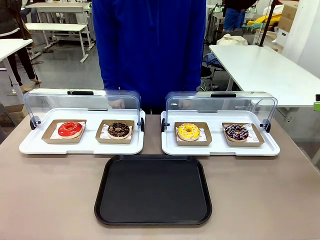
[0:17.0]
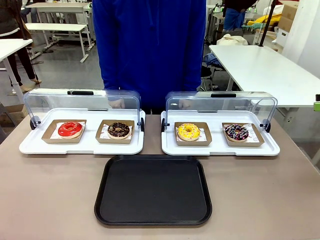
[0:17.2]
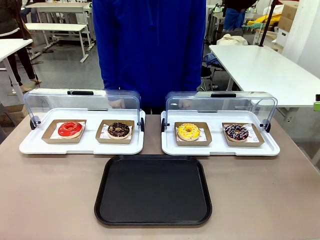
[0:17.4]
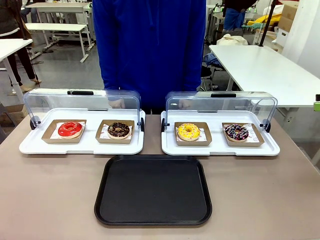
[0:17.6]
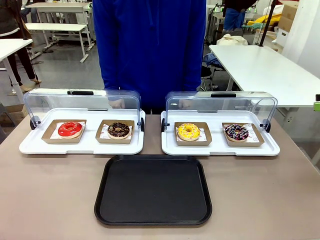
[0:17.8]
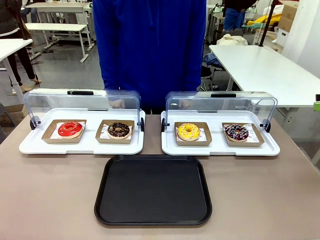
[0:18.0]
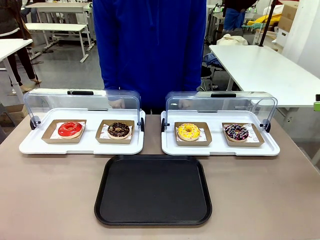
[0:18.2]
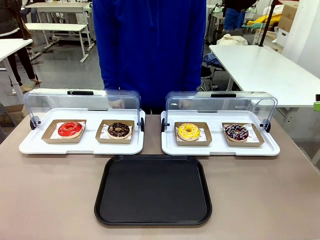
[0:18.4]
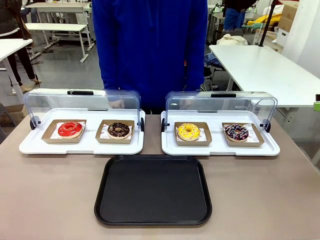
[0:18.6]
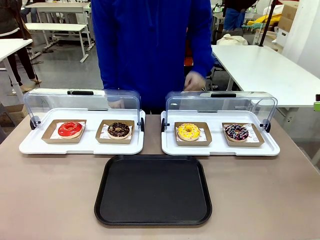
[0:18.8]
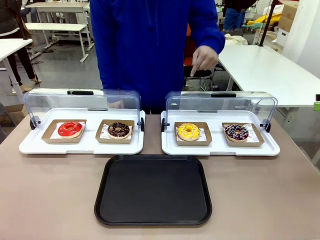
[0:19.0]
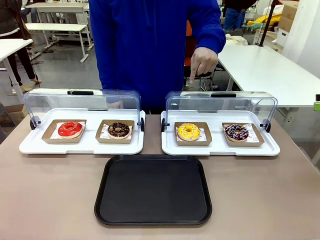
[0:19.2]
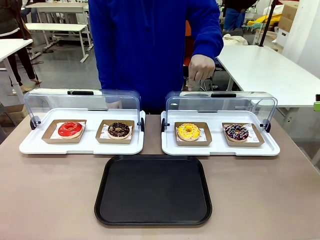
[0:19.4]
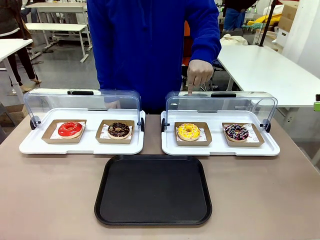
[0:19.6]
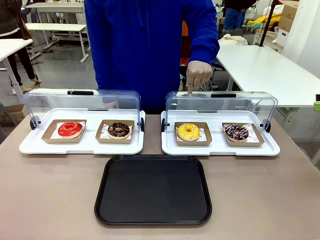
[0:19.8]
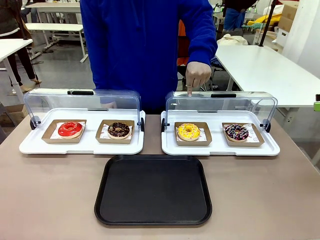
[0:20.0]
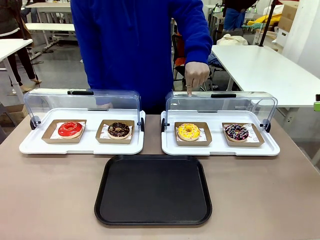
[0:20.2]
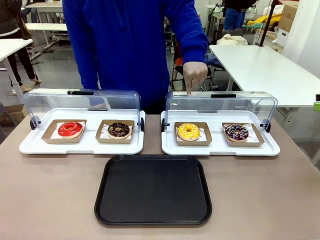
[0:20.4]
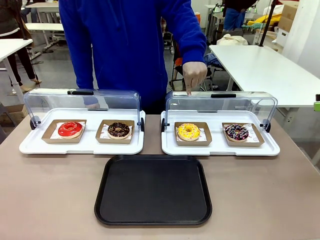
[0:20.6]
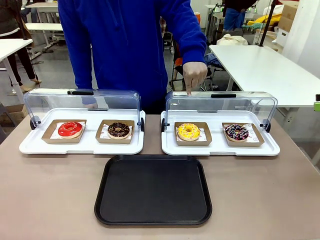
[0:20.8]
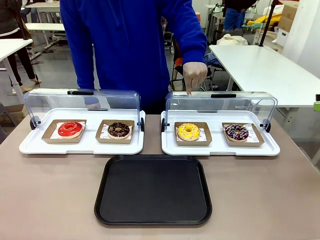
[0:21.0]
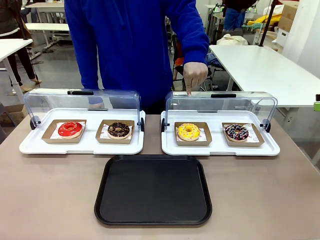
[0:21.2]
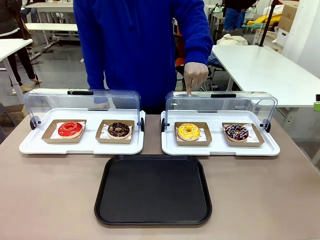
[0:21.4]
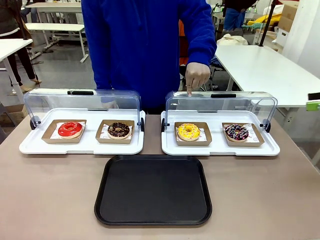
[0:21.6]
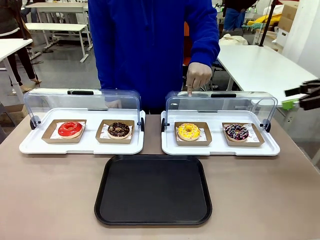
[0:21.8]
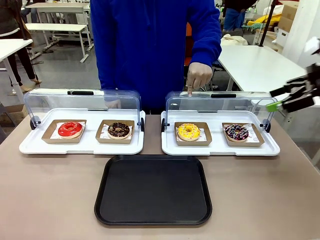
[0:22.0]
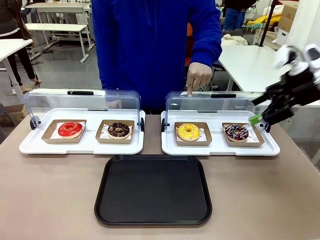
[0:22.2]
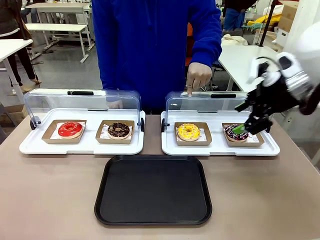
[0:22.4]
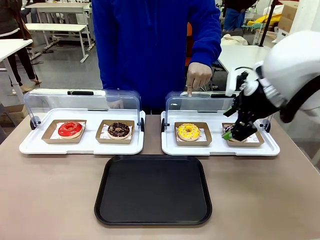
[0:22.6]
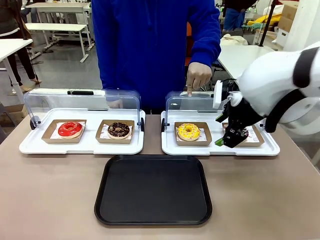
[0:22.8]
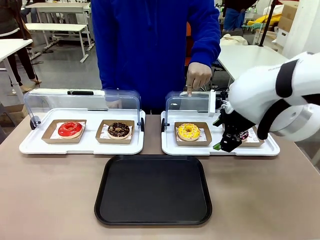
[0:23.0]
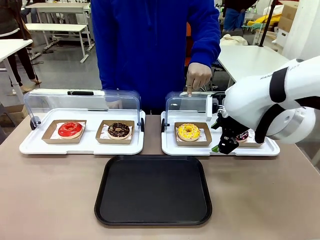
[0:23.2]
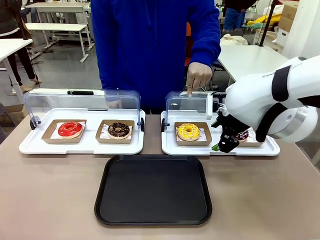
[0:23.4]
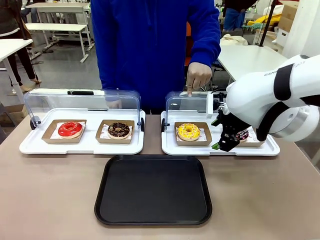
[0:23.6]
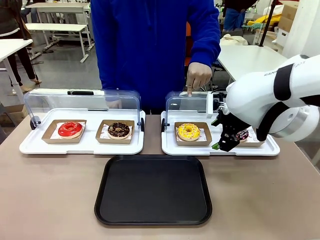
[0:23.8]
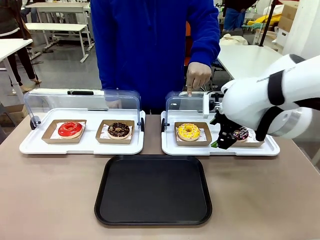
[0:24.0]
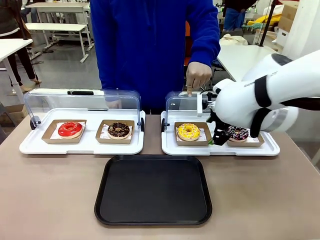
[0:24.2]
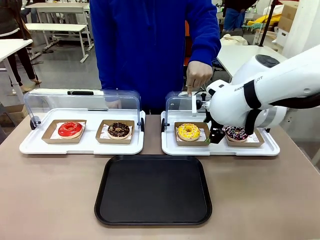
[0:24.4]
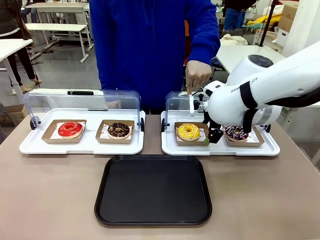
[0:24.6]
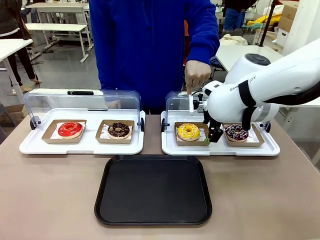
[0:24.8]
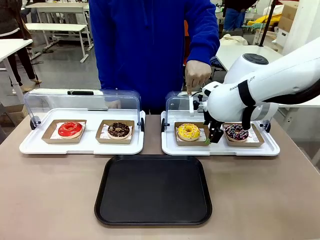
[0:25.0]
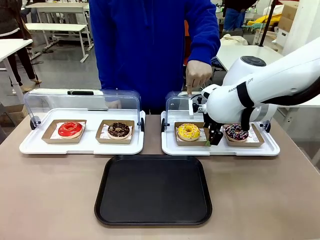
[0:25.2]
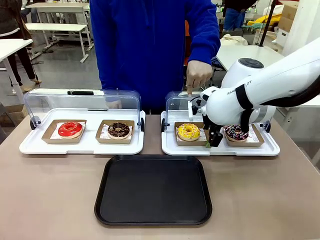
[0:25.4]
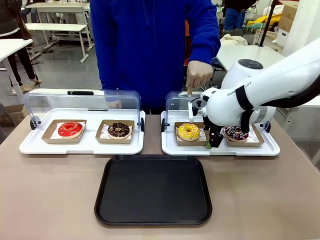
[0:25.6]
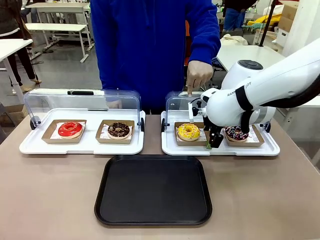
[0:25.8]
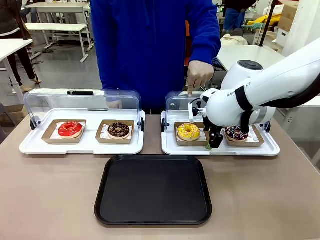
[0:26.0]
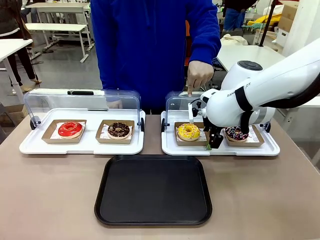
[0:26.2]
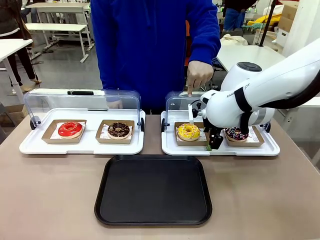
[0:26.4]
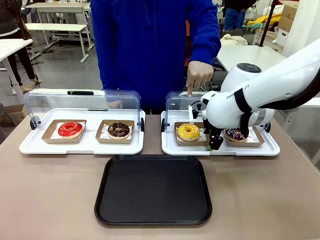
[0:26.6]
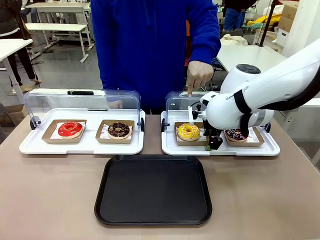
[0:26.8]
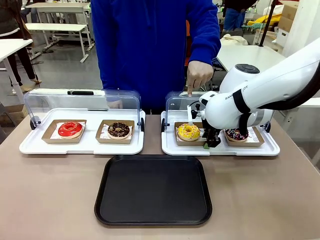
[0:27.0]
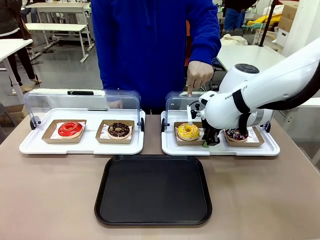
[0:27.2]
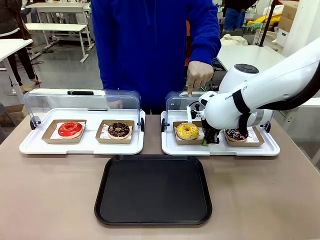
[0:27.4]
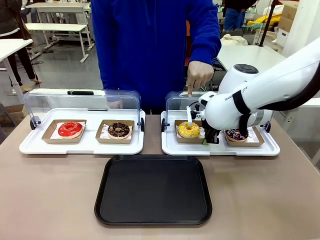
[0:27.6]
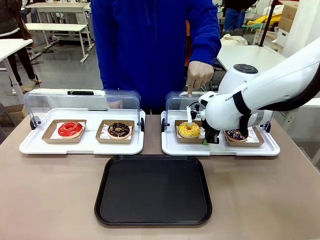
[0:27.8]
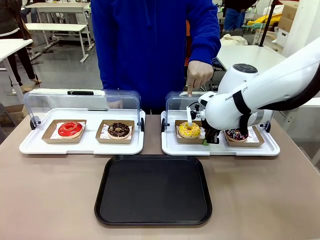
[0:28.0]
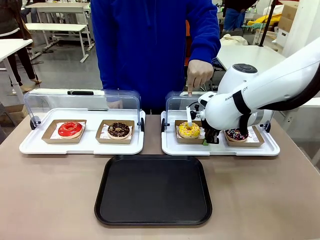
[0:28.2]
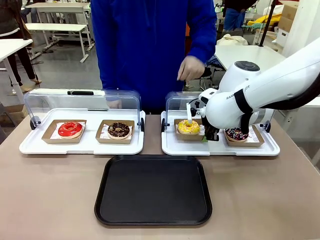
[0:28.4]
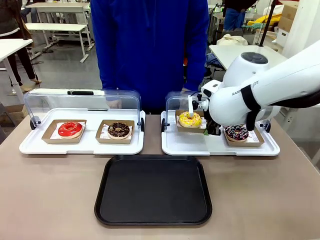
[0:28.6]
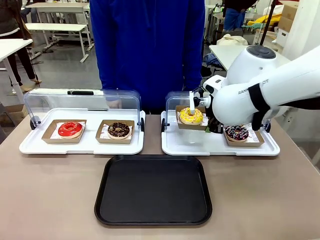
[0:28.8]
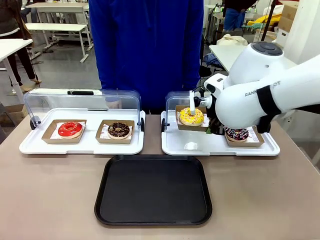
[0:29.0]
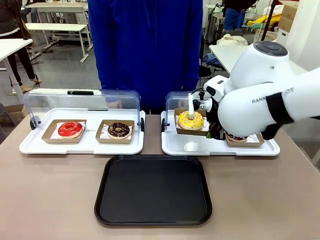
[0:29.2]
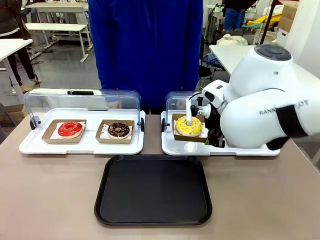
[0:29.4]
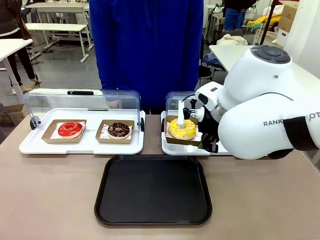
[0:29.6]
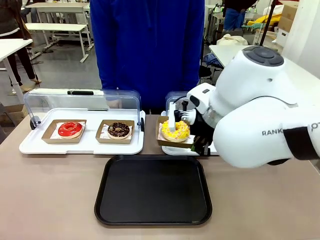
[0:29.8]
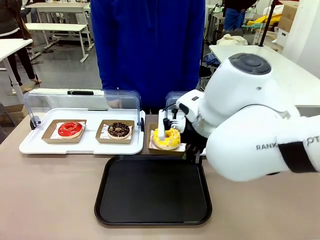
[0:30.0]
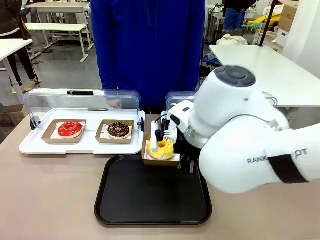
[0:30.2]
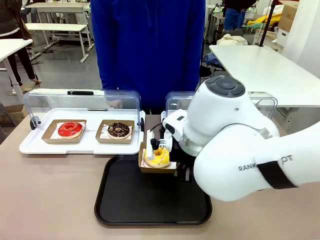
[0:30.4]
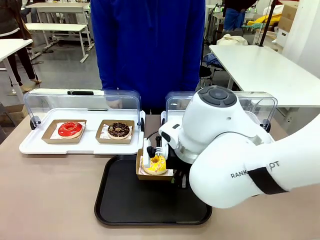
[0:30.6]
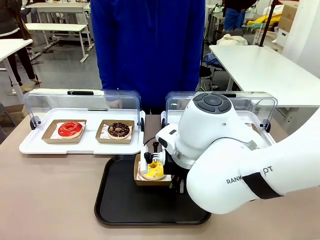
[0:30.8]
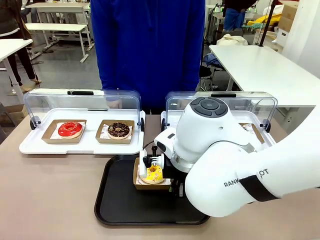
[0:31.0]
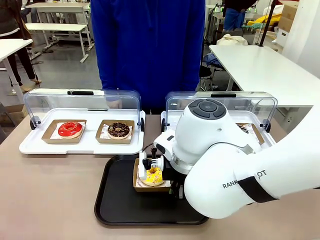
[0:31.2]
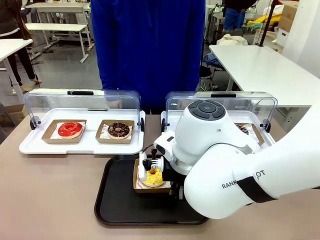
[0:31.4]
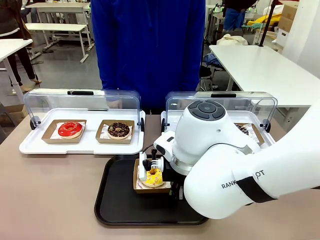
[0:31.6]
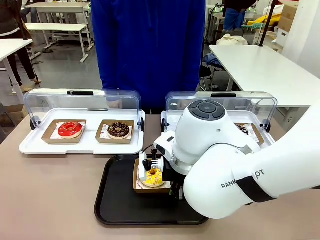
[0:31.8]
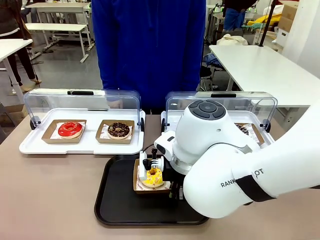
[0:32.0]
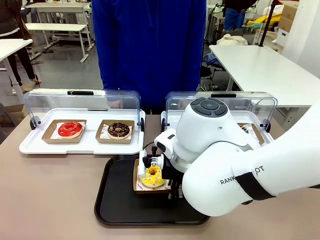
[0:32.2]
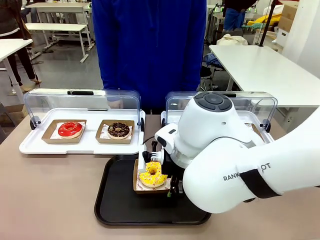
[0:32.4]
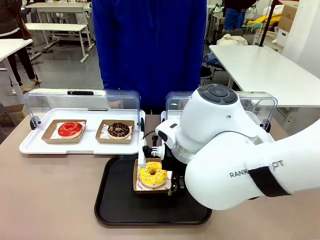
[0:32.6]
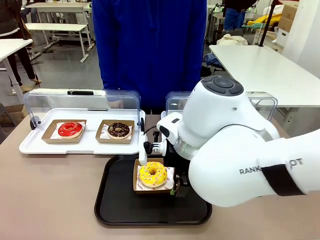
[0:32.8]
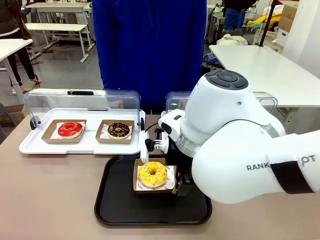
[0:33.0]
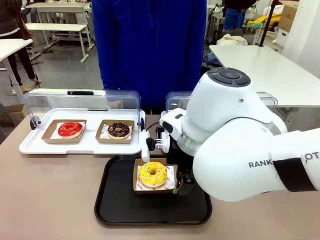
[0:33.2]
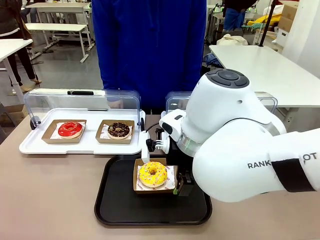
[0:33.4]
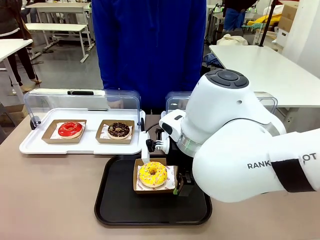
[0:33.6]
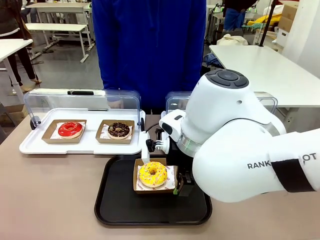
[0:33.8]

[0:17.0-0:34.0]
Task: Move the third donut from the left to the tray.
Robot: Pick up the Paper togo box containing the Donut indicated by the person and place it on the Handle tray.

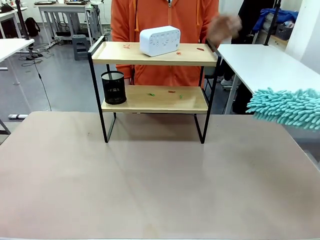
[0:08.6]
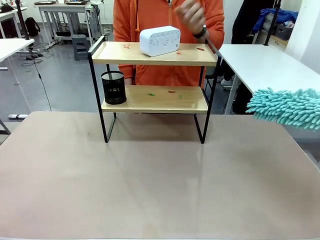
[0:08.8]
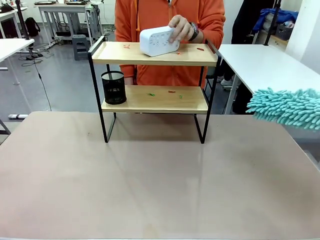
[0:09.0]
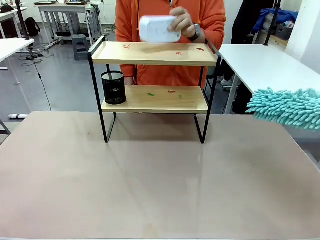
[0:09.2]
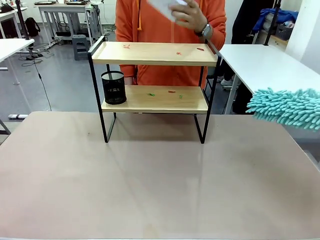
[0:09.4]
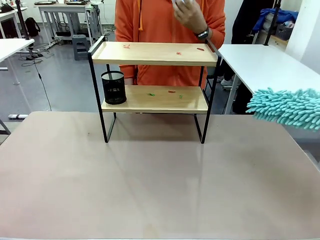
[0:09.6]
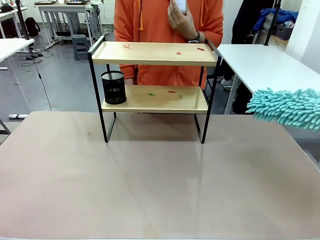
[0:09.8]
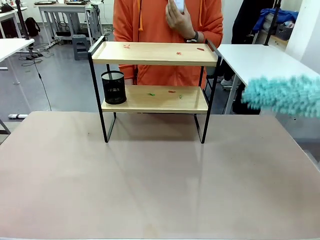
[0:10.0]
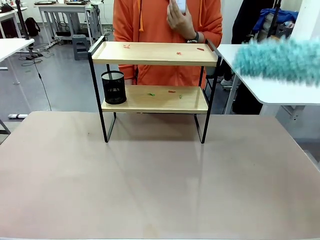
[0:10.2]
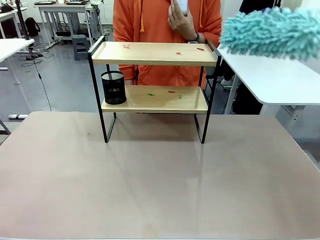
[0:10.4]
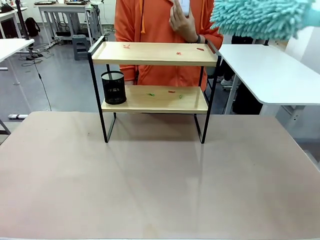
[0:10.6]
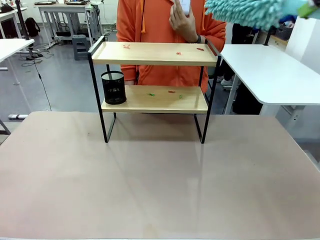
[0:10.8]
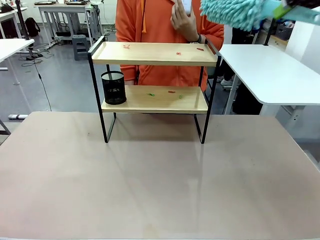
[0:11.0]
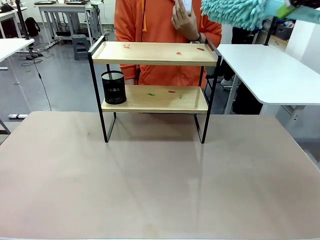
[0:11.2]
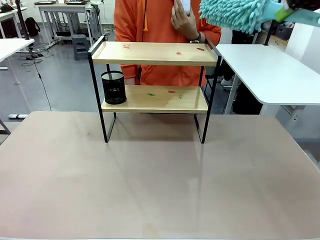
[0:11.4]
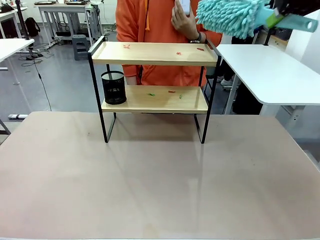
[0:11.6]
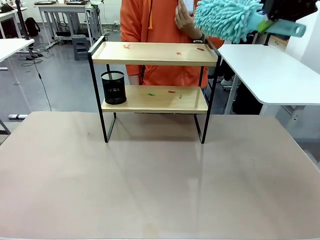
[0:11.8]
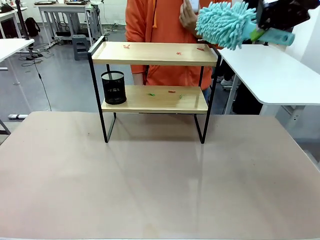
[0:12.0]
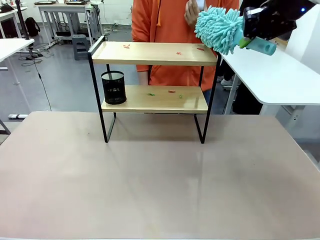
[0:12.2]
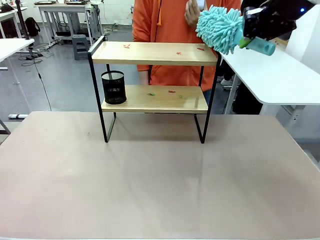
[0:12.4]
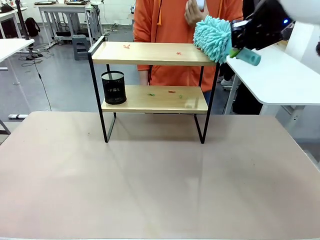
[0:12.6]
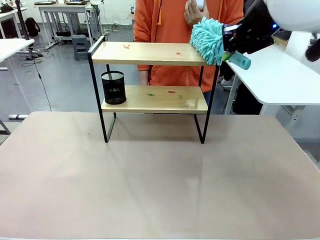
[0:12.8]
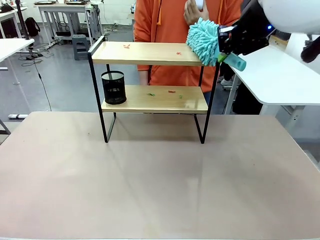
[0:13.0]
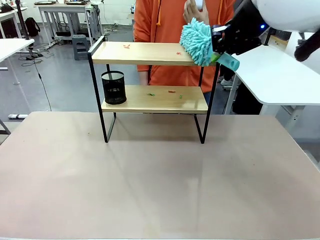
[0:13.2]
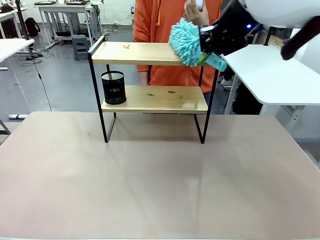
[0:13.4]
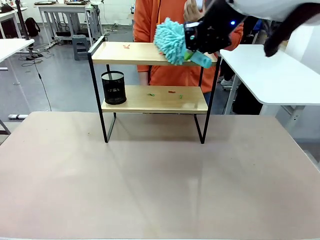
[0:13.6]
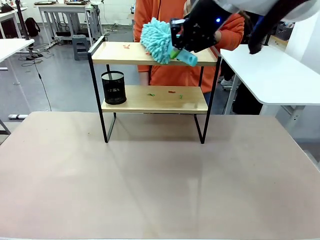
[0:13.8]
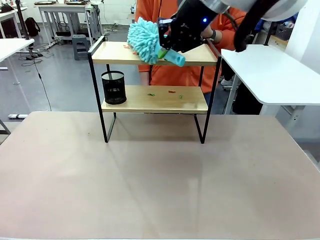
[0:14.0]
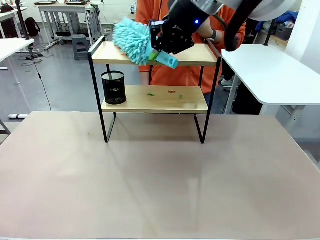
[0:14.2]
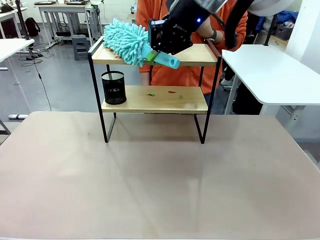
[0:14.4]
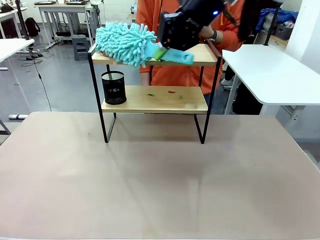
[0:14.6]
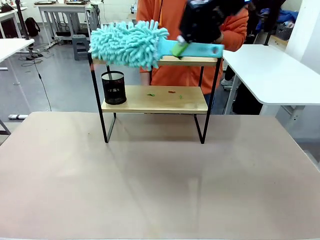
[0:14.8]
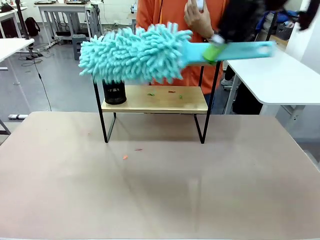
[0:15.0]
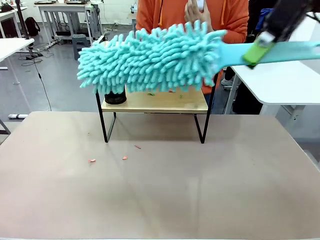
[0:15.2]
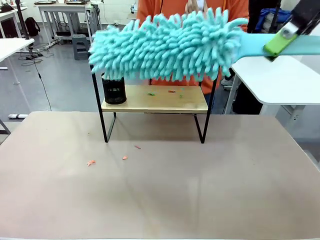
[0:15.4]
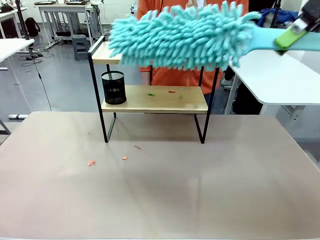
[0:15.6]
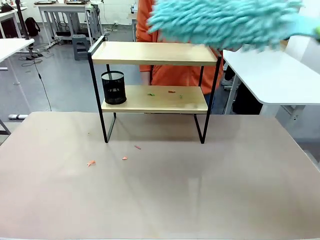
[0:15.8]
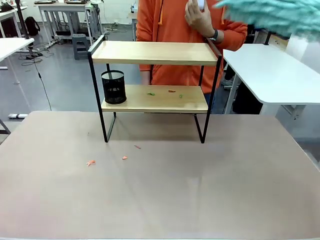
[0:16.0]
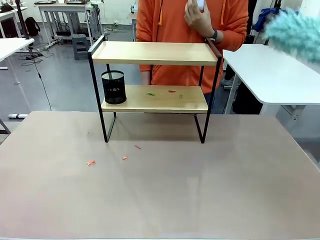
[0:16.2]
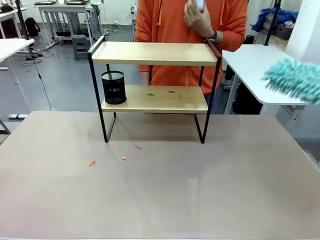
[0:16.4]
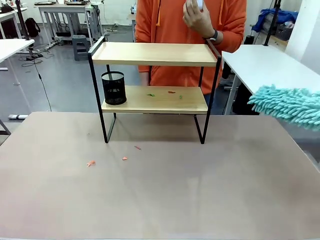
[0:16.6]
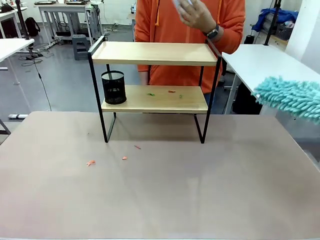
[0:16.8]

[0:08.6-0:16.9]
Task: Clean the shelf.
Robot: Clean the specific tier of the Shelf with the Duster once objects are removed.
Person: Lift the objects on a randomly selected tier of the Shelf. Once the robot finishes cleaning, lift the objects on the remaining tiers of the Shelf.
